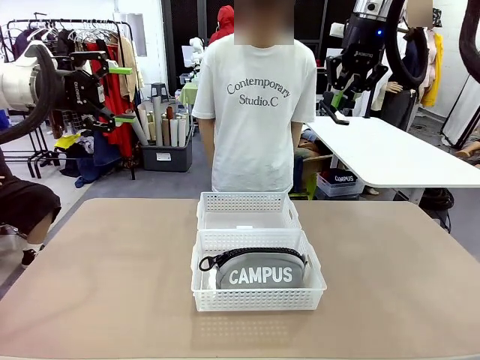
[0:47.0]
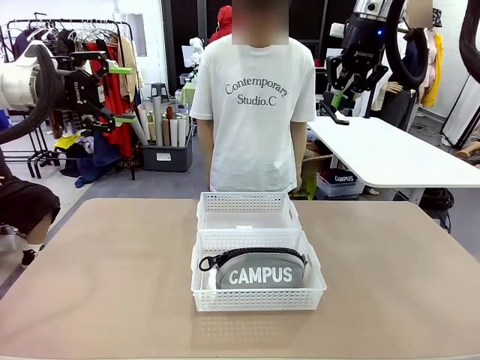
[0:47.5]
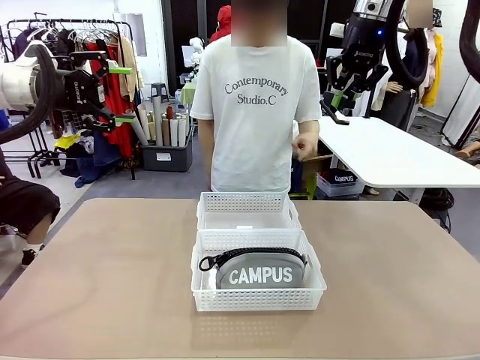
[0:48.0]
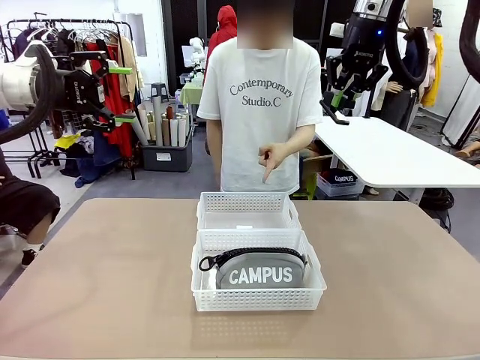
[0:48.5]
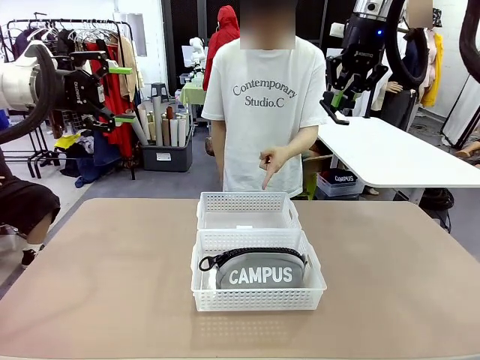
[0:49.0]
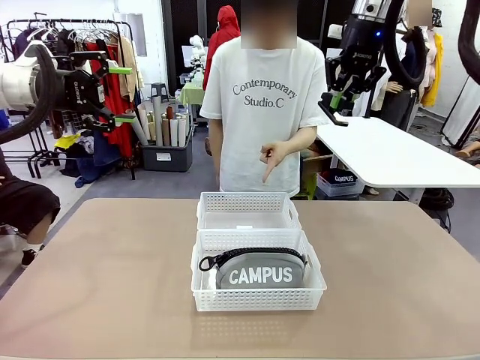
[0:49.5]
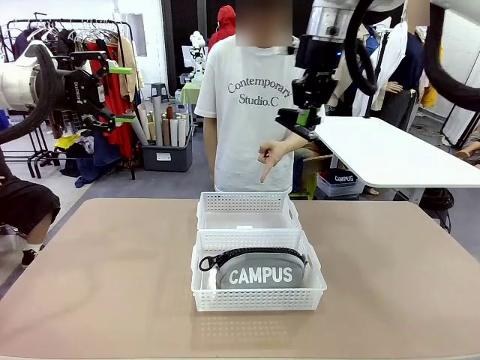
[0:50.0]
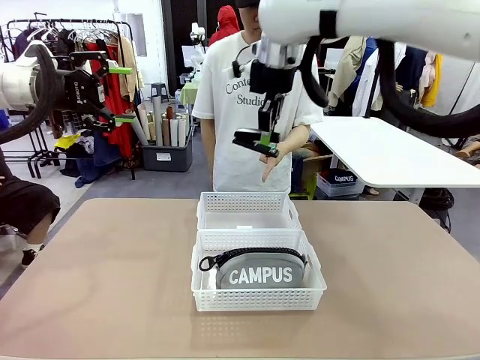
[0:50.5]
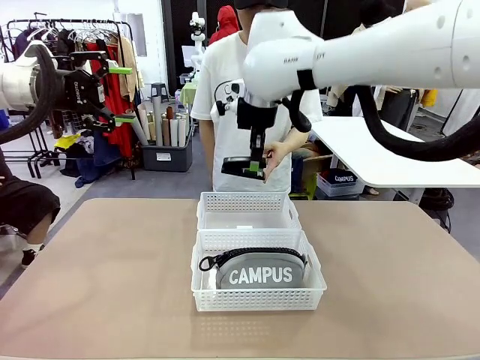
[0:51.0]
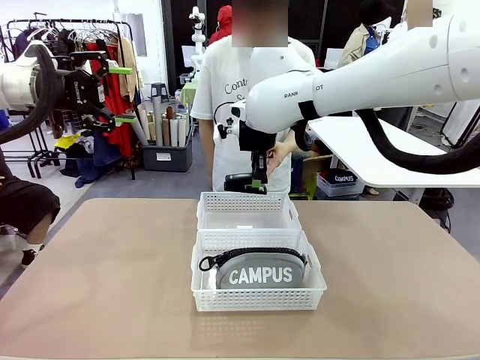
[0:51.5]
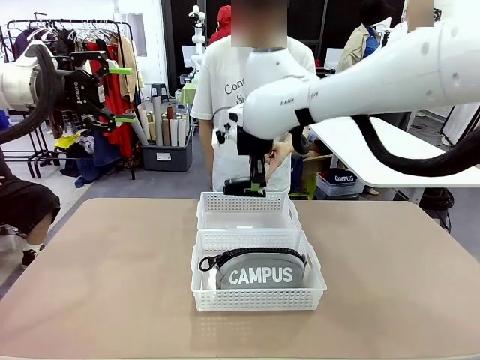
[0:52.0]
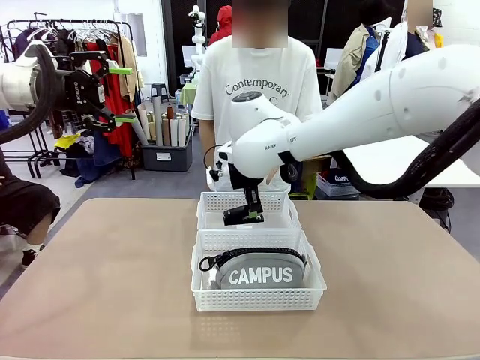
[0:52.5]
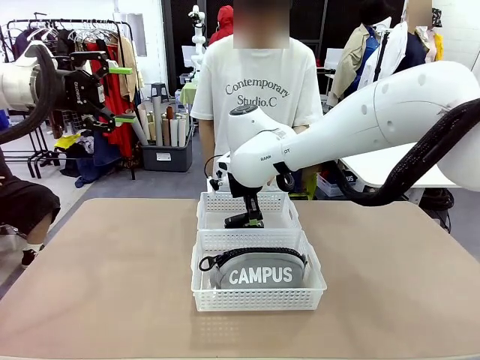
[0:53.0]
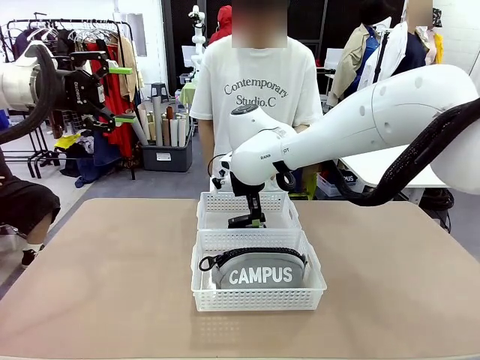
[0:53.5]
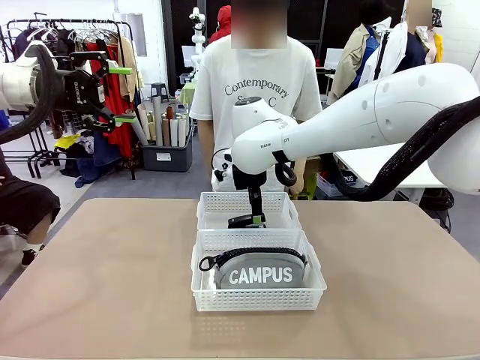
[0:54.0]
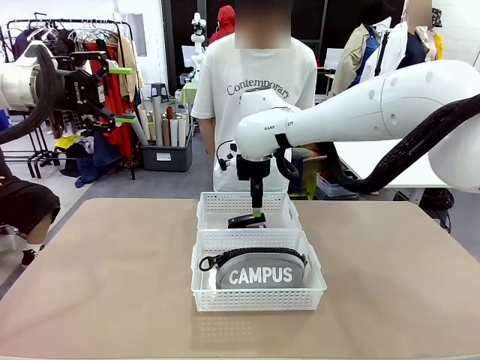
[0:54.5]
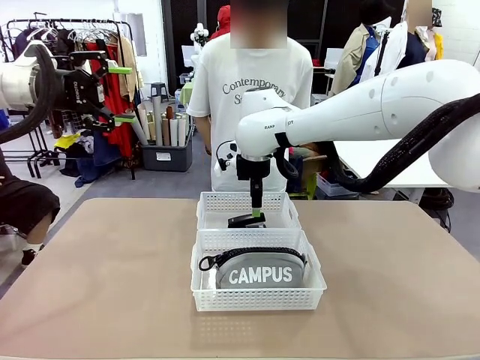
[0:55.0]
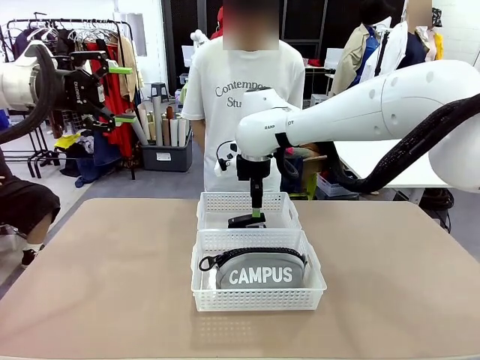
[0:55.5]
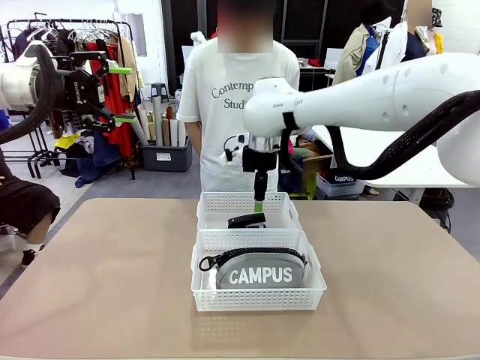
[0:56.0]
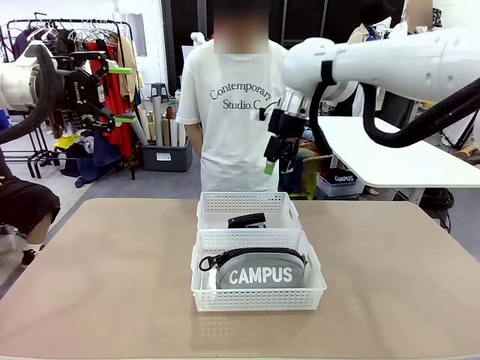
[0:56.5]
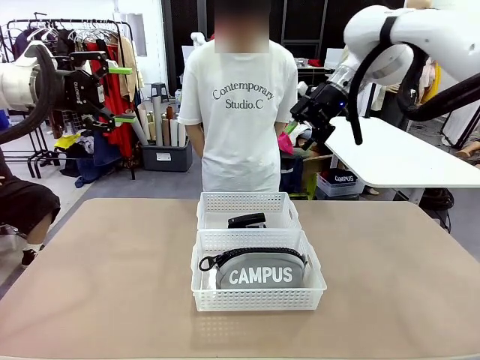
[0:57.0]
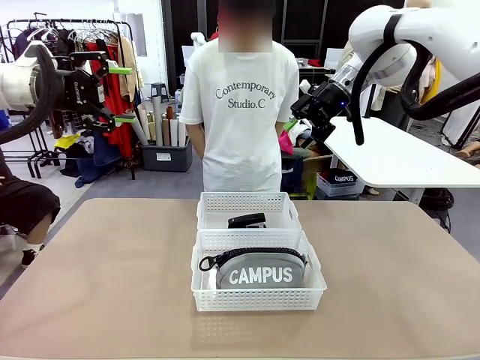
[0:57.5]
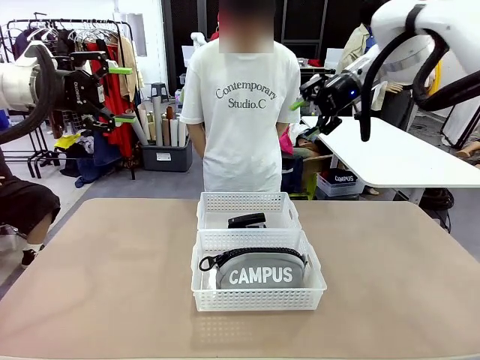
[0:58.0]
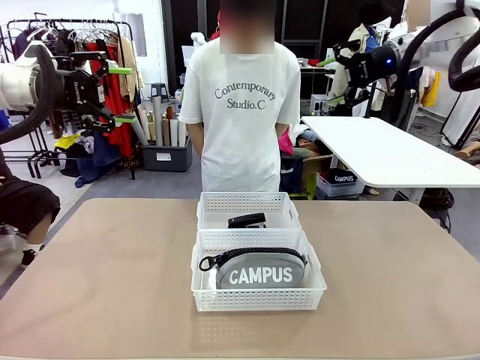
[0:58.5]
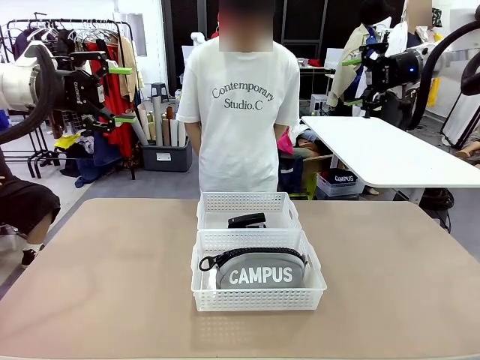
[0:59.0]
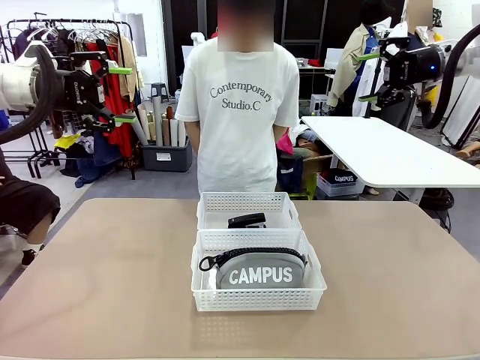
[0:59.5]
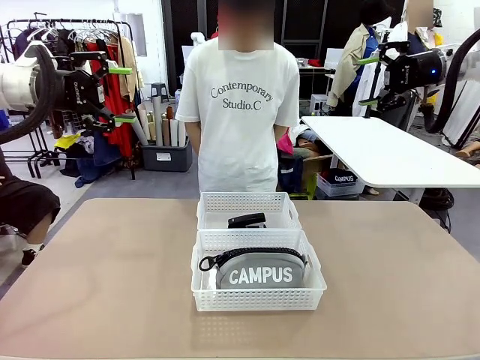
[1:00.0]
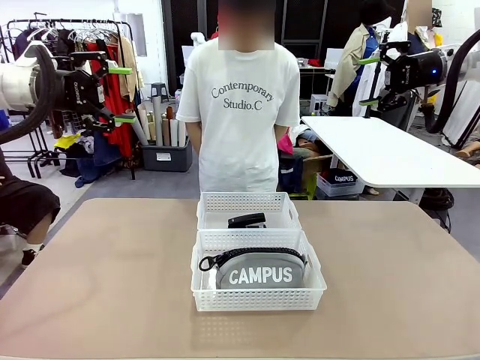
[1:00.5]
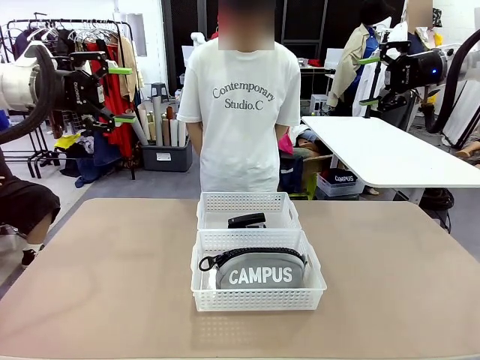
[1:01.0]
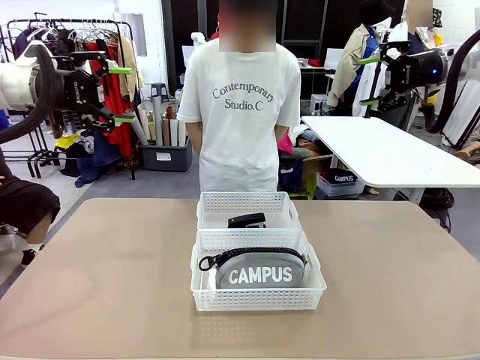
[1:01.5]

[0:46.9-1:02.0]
Task: Distribute items into two baskets.
Robot: Place the picked Stapler into the Organizing basket as instructed by the person.
Person: Points to the basket that does not contain the pencil case and instructs the robot to move the stapler there.

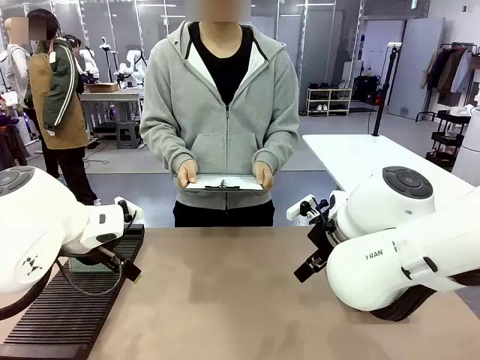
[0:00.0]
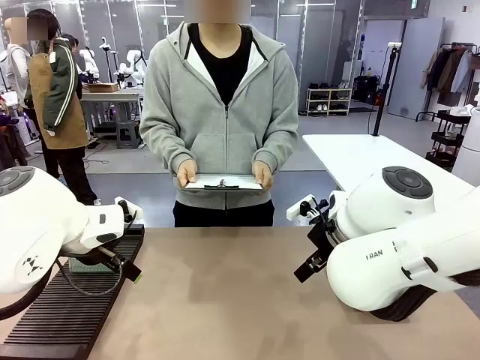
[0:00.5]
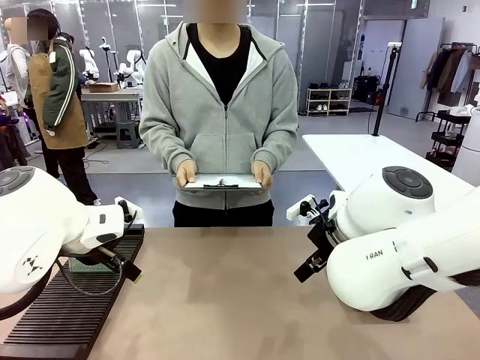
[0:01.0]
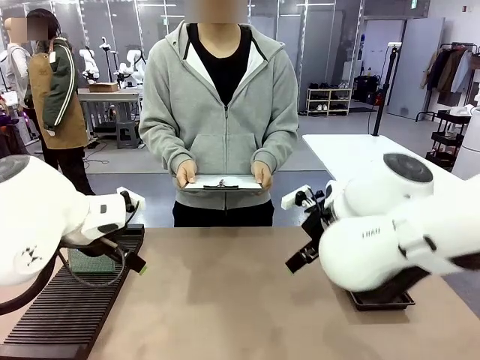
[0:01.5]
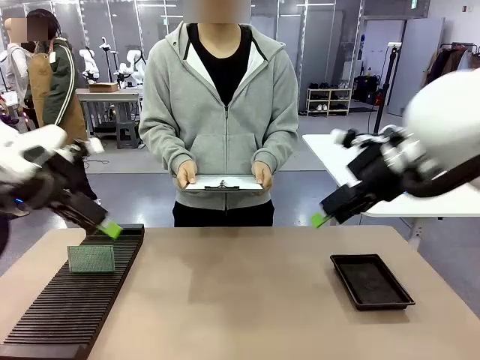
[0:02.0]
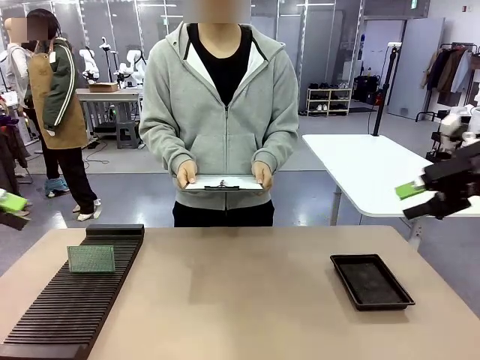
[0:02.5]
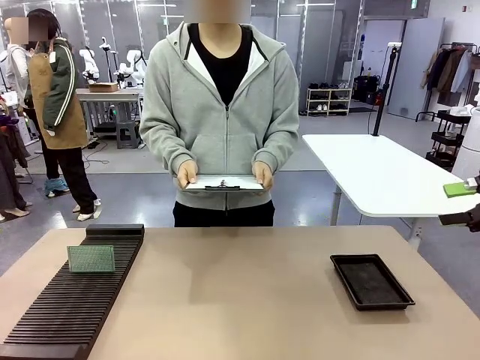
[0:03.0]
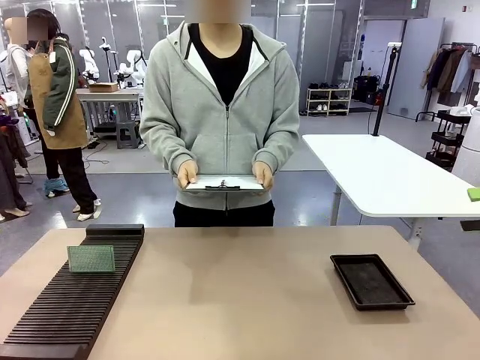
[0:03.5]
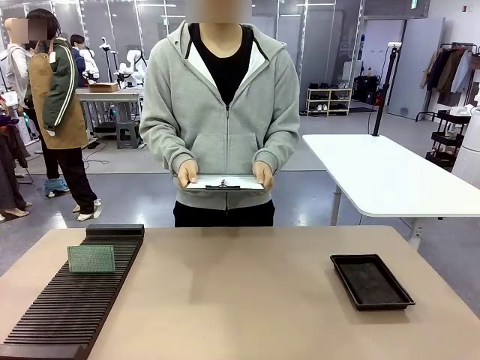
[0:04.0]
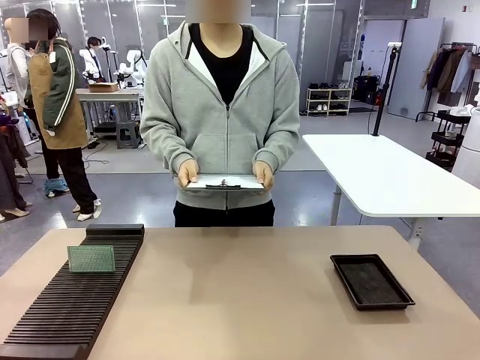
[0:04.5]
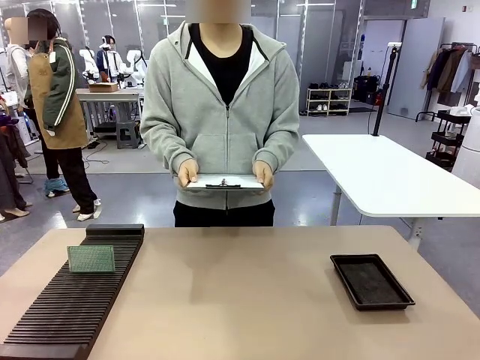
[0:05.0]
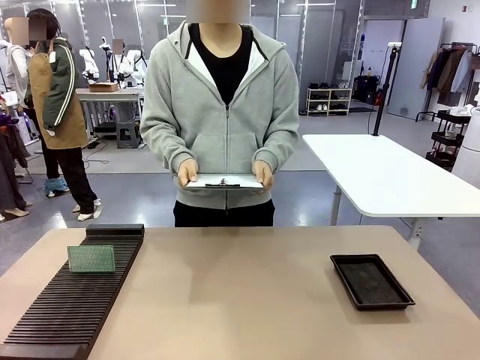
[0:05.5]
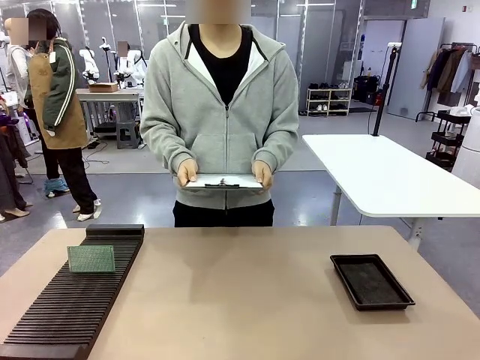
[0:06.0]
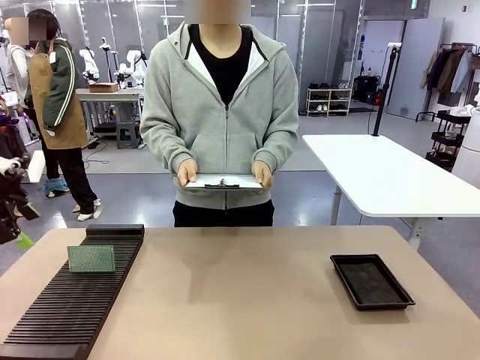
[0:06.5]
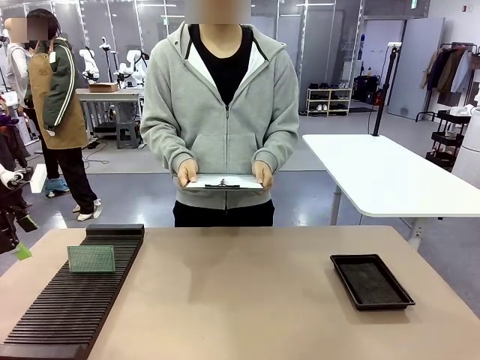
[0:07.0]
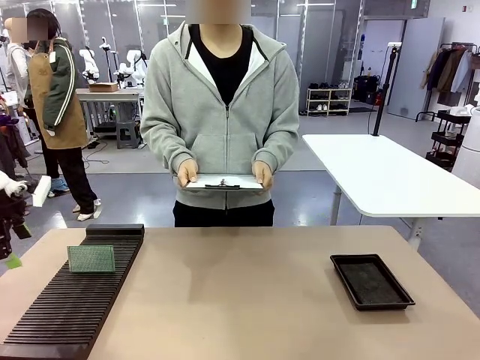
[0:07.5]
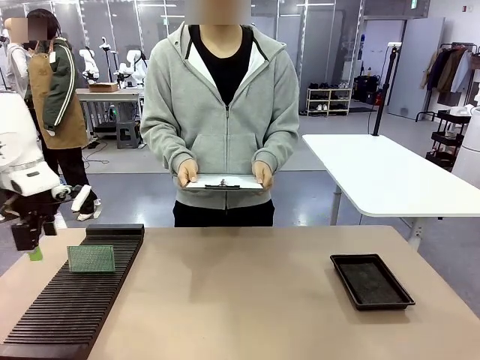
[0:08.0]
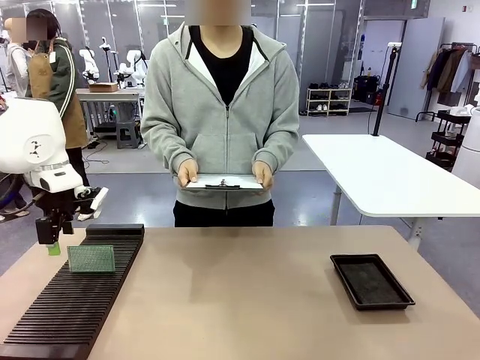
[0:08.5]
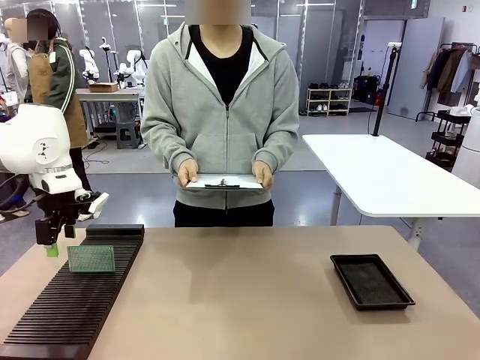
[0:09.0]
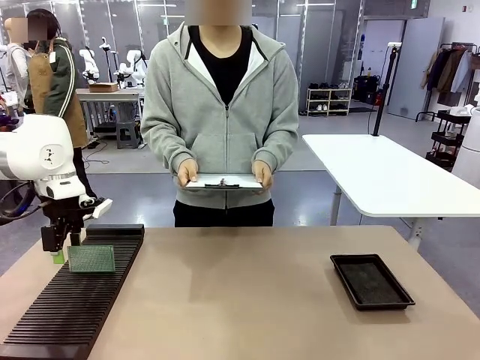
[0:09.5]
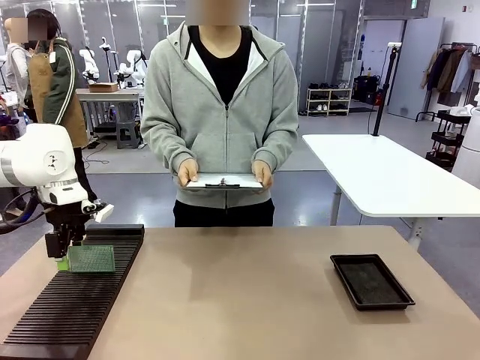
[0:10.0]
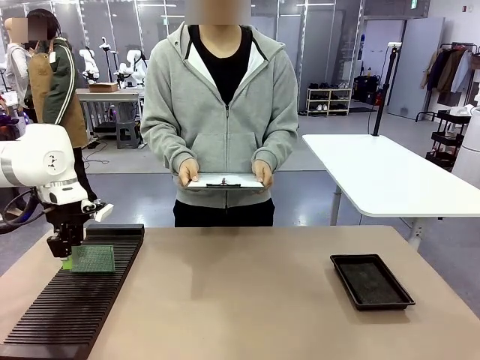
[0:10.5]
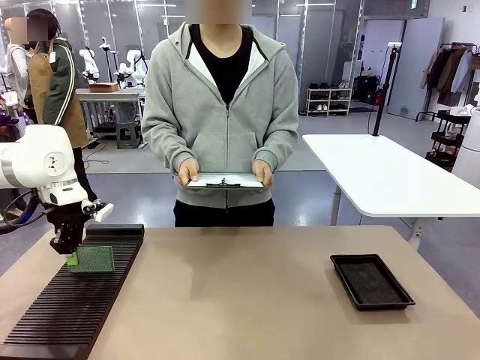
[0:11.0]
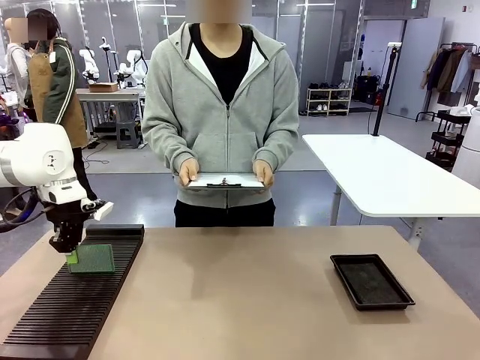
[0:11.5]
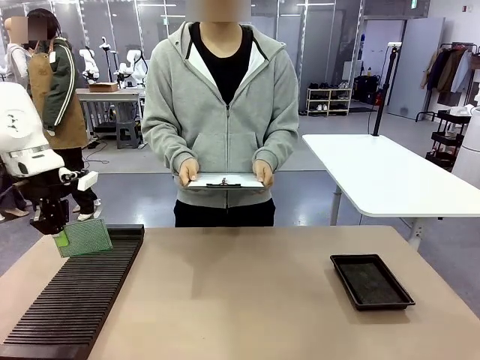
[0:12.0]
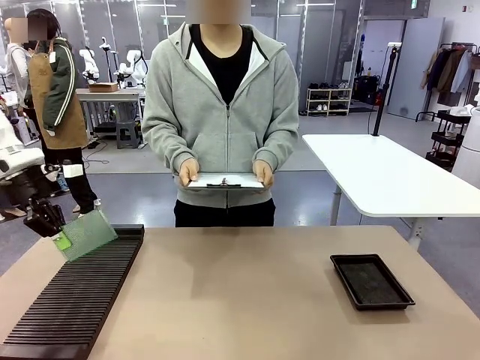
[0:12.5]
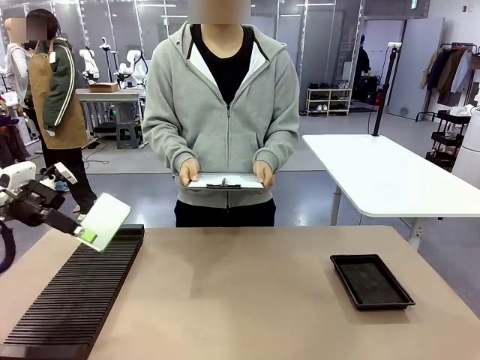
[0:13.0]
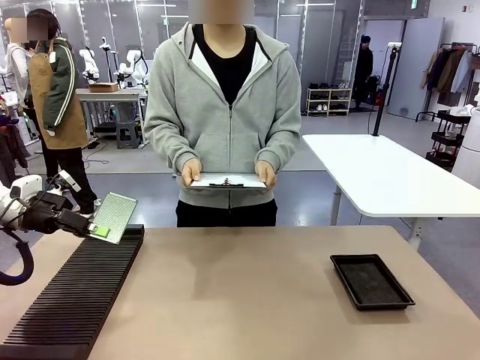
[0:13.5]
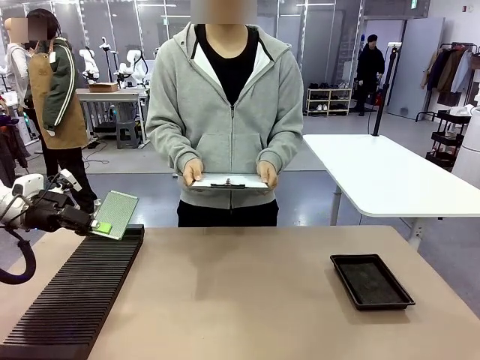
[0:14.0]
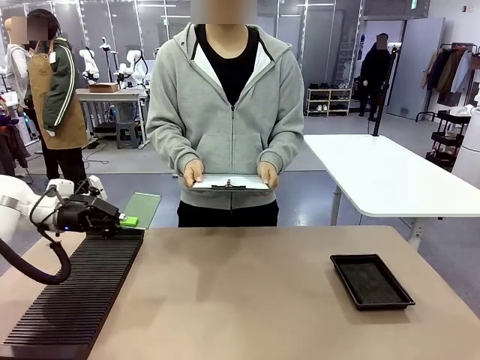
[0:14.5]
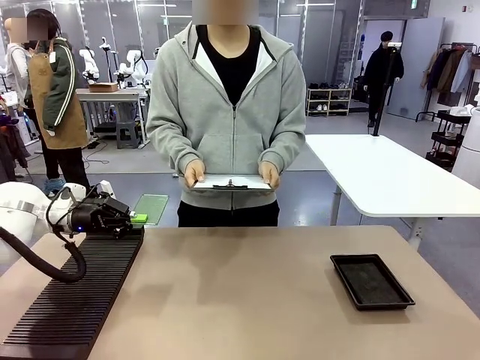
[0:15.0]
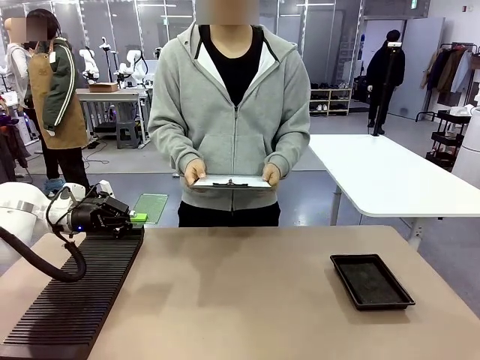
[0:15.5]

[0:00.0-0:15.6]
Task: Inspect the PCB.
Robot: Pick up the Blank PCB and present it to the human.
Person: Pick up the PCB presented by the robot.
